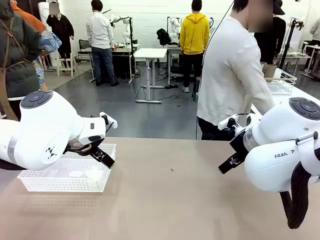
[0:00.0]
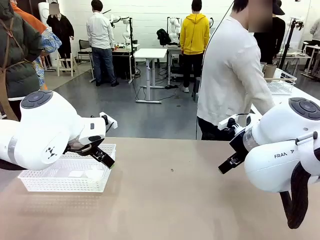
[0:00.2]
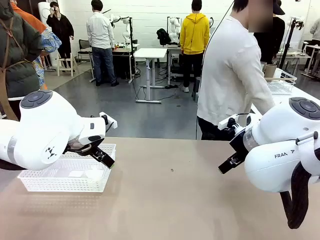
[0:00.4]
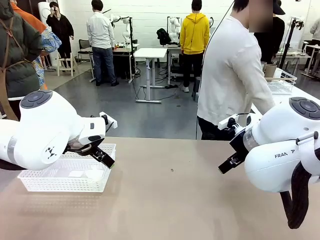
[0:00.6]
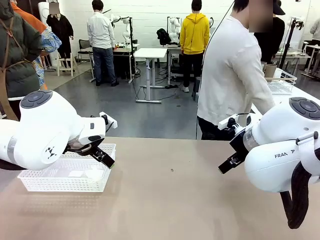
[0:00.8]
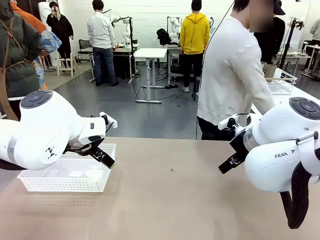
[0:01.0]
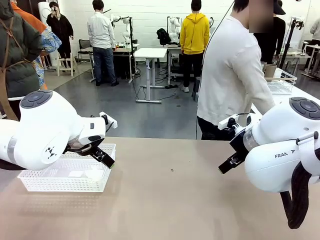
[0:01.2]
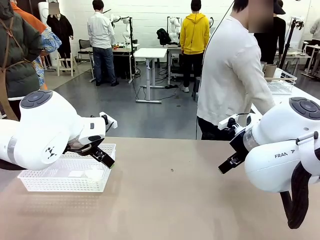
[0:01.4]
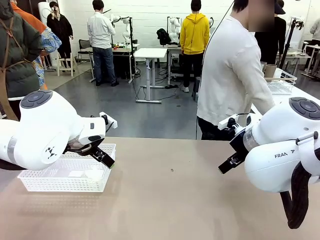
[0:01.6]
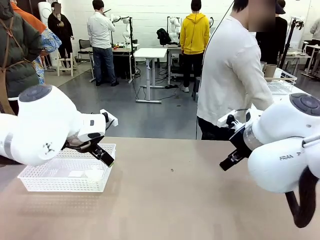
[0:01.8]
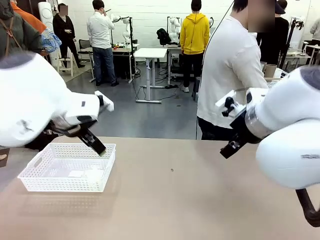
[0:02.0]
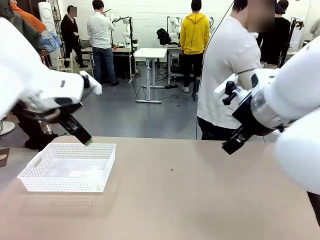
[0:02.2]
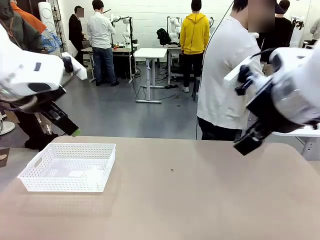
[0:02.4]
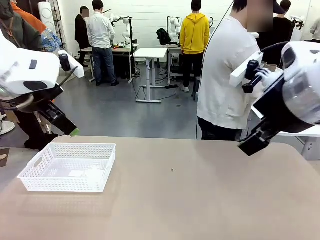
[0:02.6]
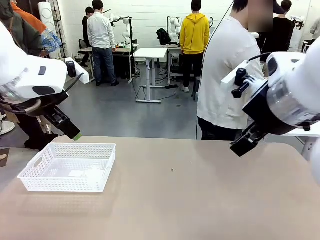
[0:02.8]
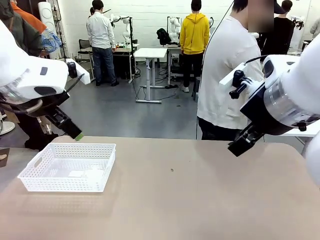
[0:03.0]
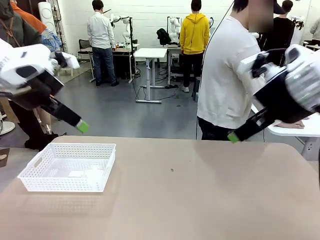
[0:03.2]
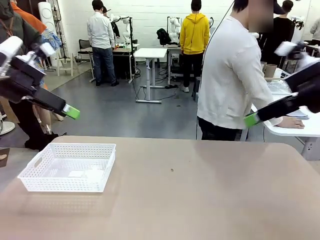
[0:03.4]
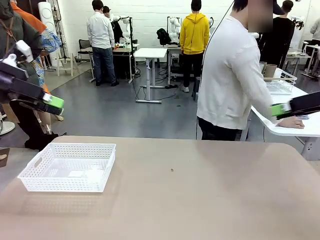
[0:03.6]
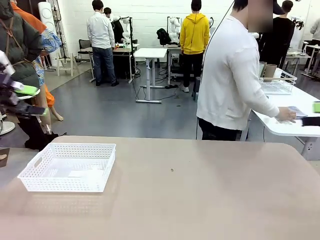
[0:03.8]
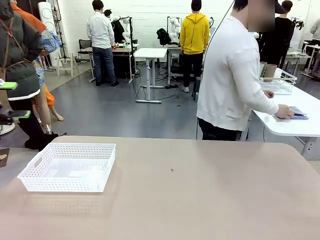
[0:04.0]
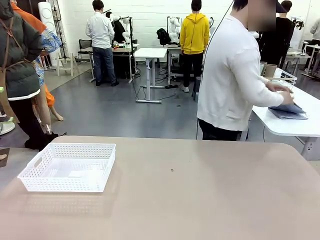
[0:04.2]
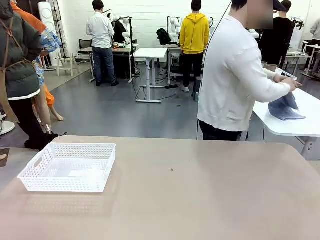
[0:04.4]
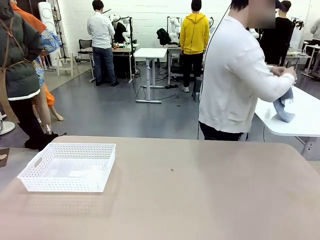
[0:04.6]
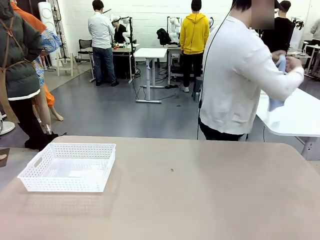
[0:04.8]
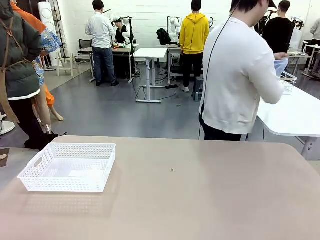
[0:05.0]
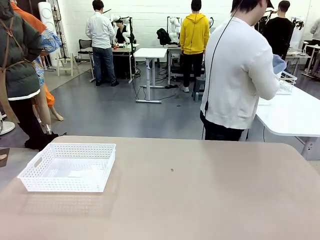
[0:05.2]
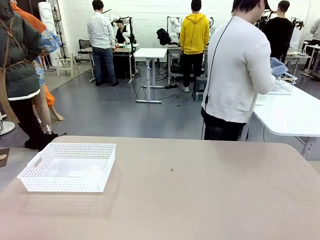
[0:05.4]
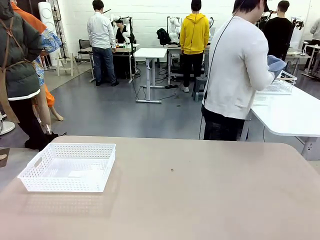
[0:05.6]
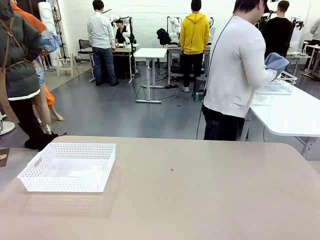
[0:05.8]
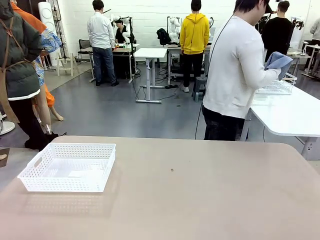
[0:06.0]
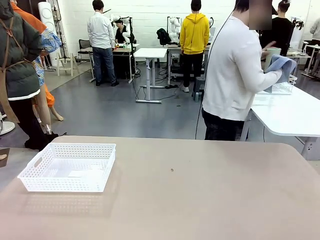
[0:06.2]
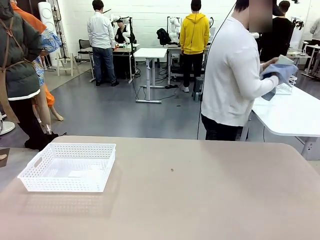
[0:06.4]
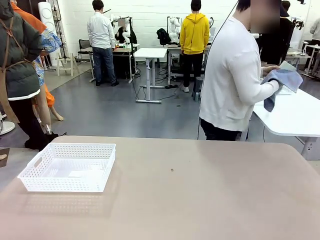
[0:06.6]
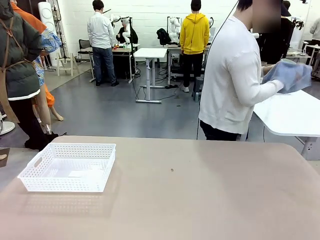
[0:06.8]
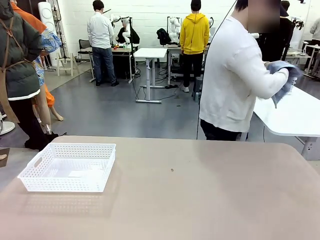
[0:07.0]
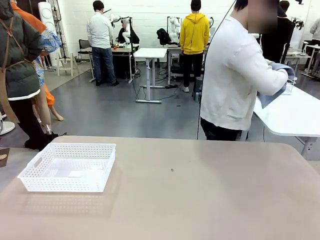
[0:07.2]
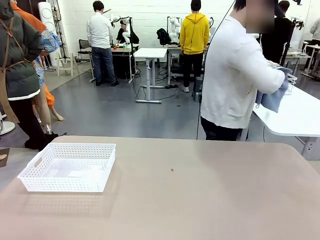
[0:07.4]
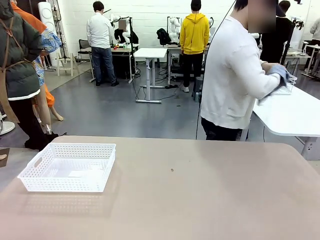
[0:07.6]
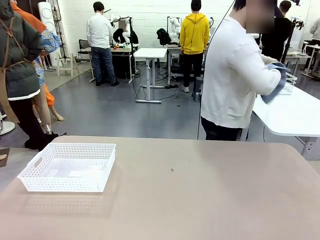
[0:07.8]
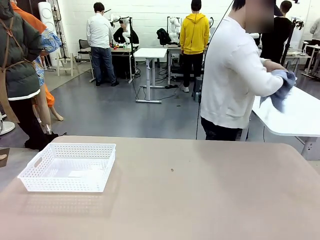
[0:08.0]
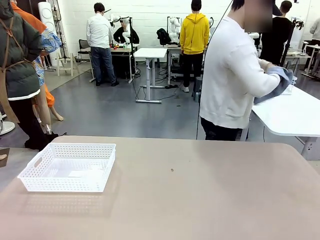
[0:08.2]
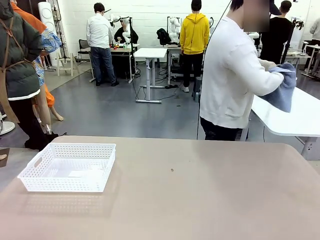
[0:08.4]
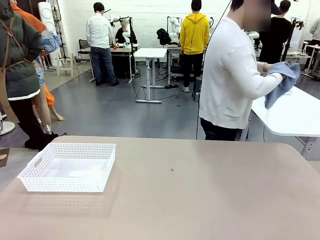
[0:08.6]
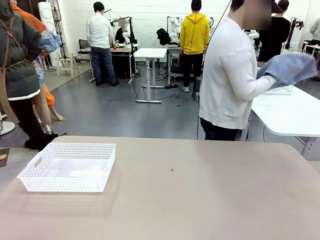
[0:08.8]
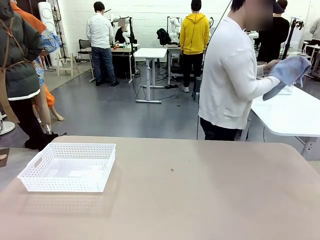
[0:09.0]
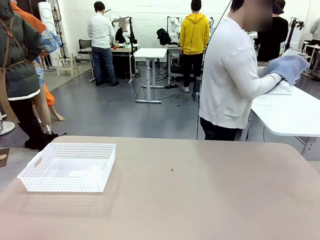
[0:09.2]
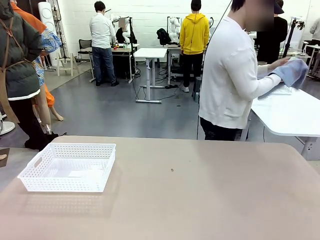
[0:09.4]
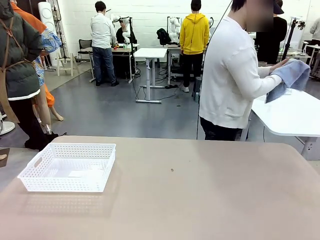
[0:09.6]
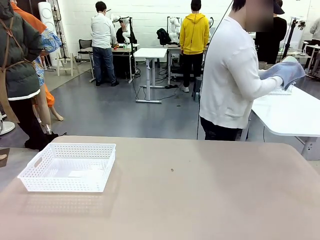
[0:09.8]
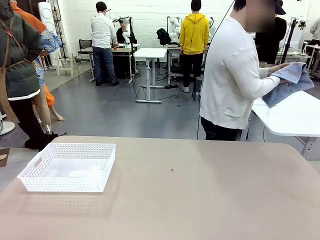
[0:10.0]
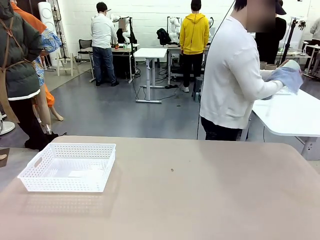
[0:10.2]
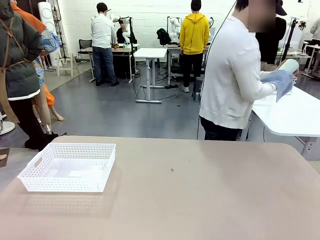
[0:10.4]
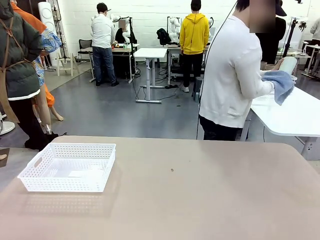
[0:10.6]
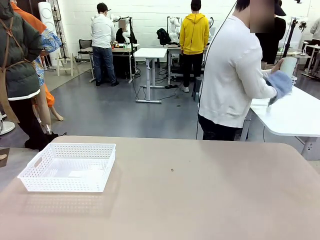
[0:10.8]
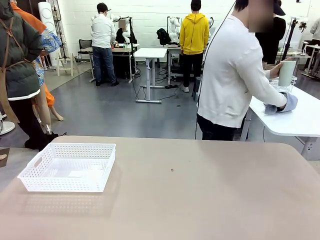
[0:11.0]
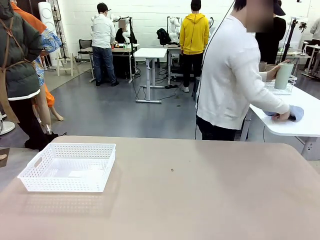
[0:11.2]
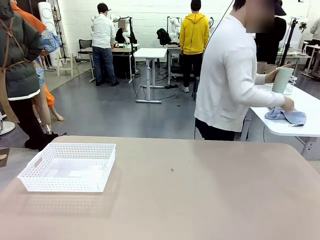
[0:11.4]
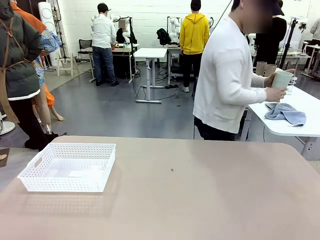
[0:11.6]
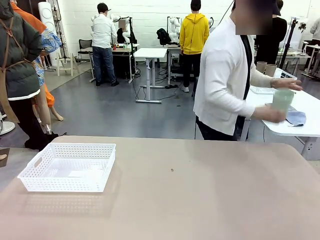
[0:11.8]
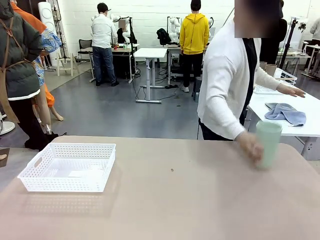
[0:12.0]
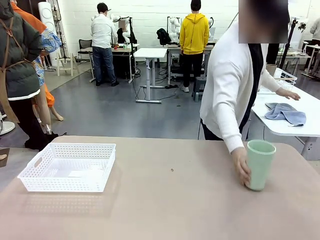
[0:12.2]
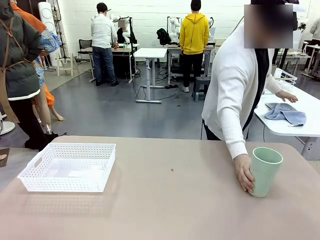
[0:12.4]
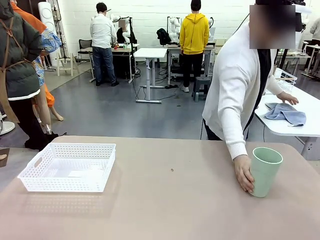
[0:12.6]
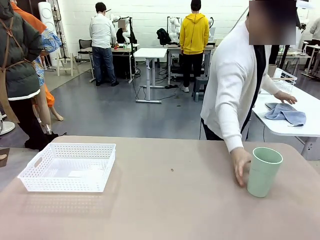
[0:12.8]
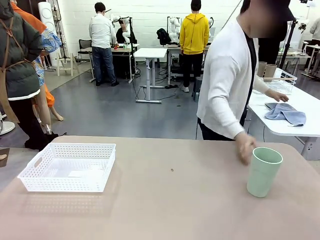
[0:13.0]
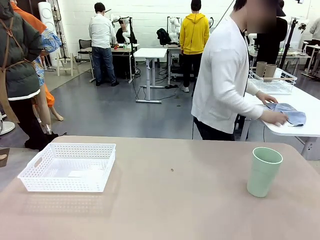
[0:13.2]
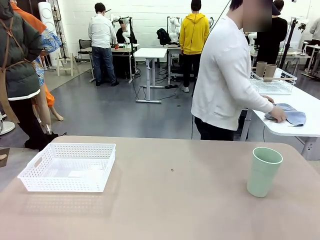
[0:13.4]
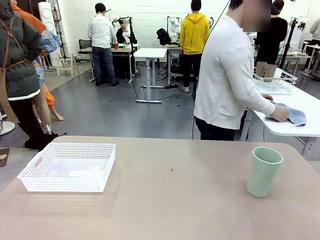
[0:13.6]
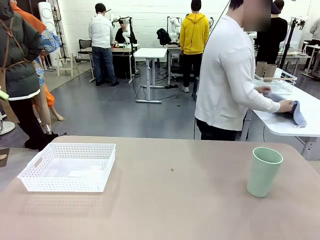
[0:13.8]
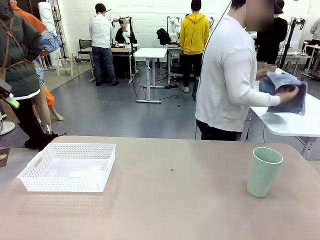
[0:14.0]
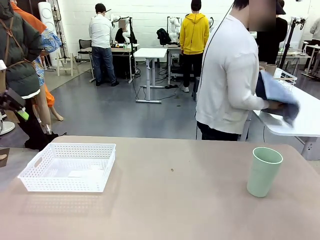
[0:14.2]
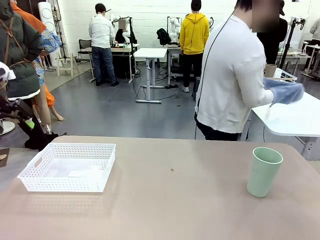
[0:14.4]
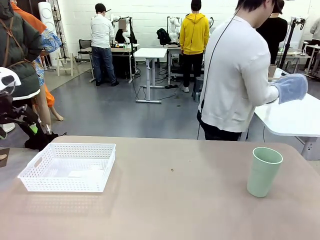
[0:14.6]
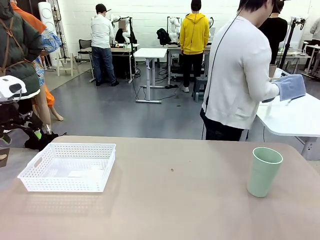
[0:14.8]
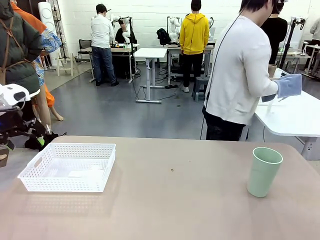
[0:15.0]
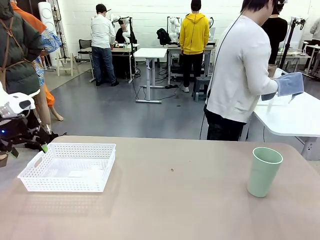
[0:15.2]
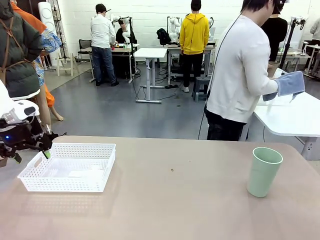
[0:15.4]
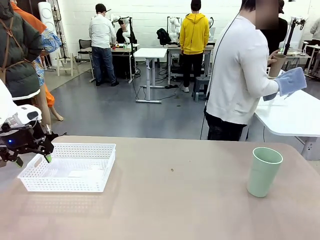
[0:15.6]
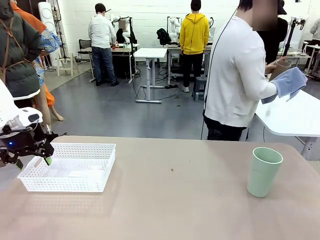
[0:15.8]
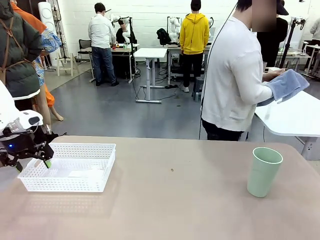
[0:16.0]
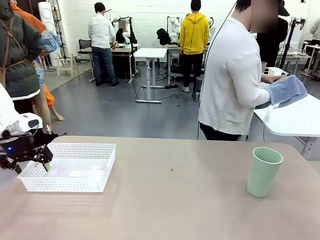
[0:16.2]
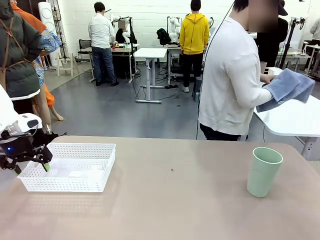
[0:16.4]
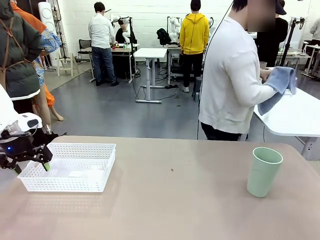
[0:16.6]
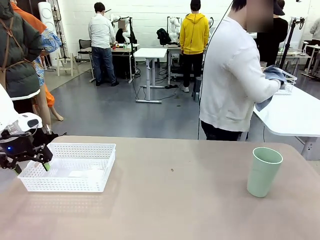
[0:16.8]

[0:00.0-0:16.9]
Task: Clean and organize the cups into the basket.
Robot: Pick up the Organizing basket and move it to the center of the table, then pick up the Reusable plastic cup from the right side of the table and place it inside the Organizing basket.
Person: Picks up a cup and a towel, cleans the cup with the towel, and places it on the left side of the robot table.
